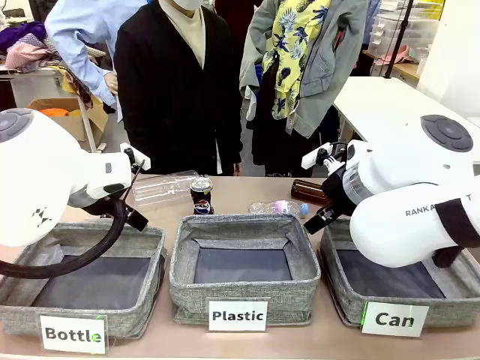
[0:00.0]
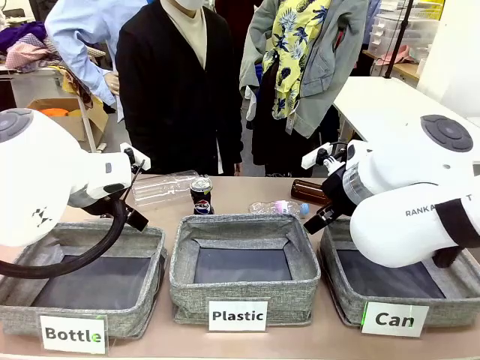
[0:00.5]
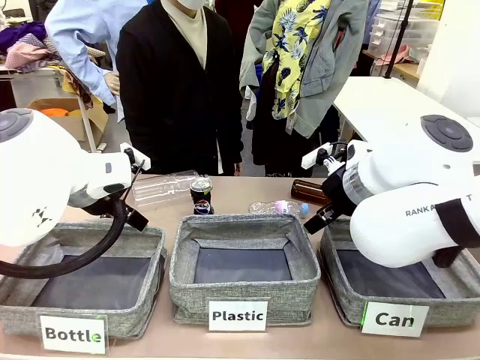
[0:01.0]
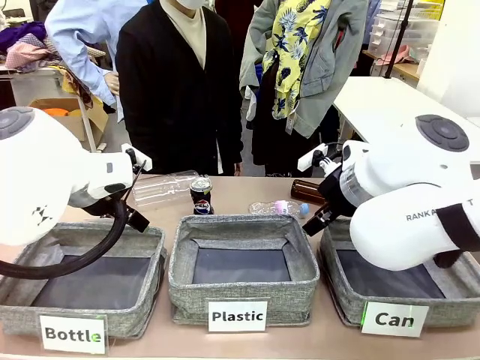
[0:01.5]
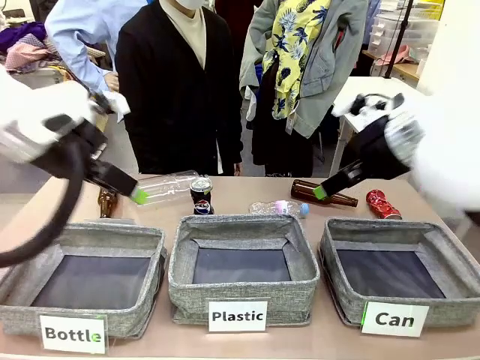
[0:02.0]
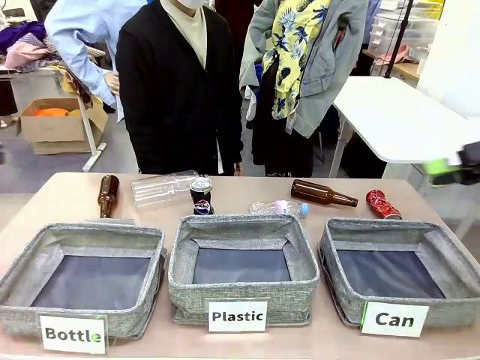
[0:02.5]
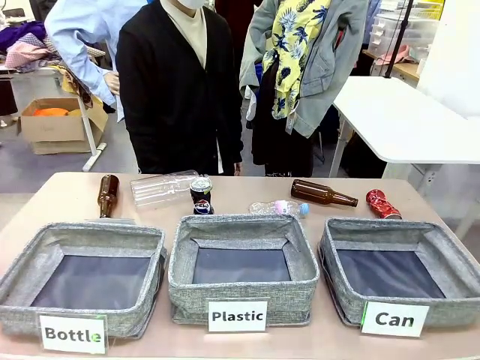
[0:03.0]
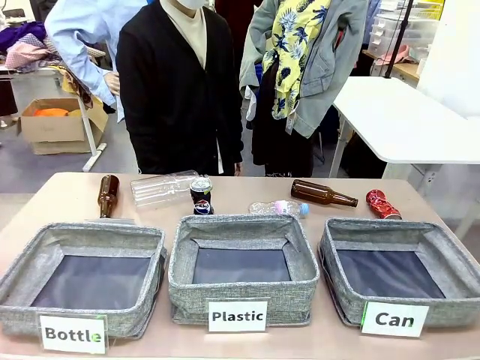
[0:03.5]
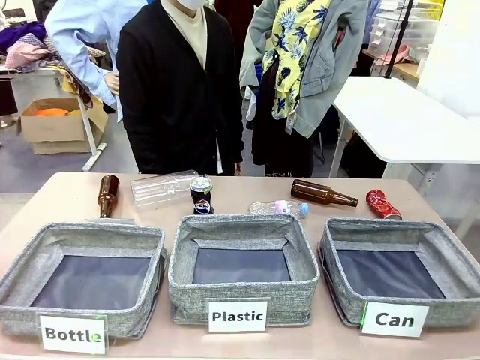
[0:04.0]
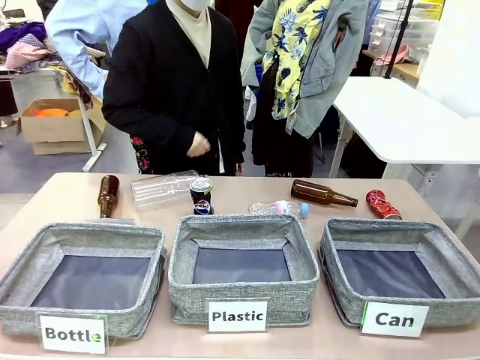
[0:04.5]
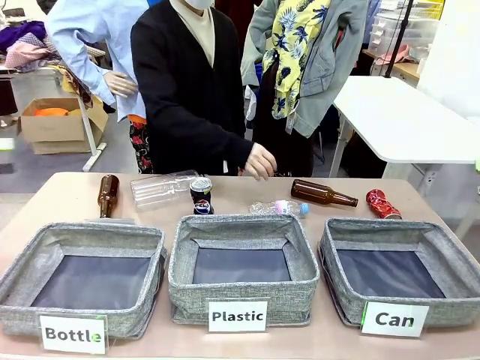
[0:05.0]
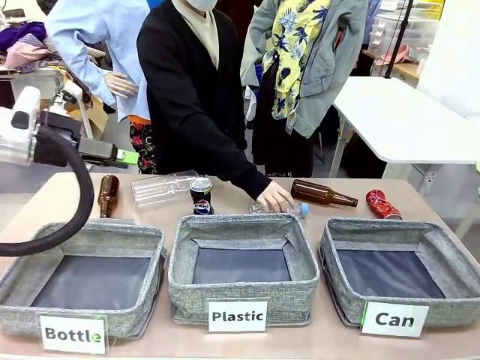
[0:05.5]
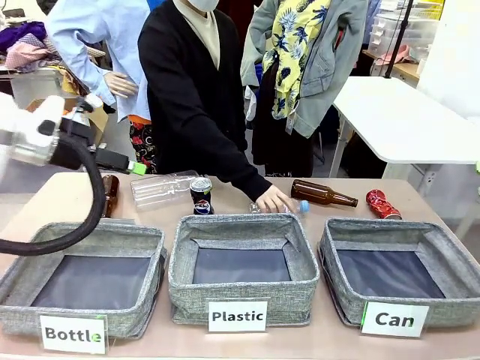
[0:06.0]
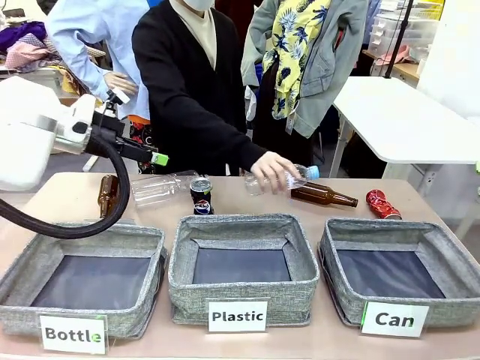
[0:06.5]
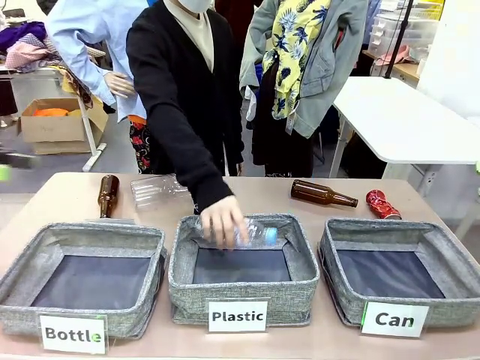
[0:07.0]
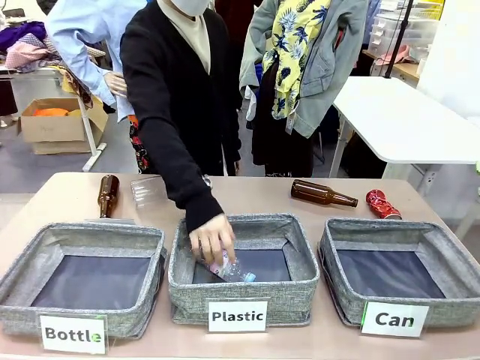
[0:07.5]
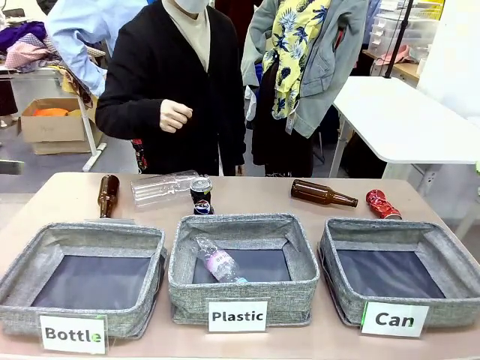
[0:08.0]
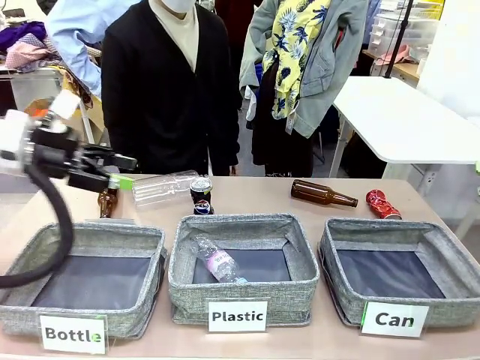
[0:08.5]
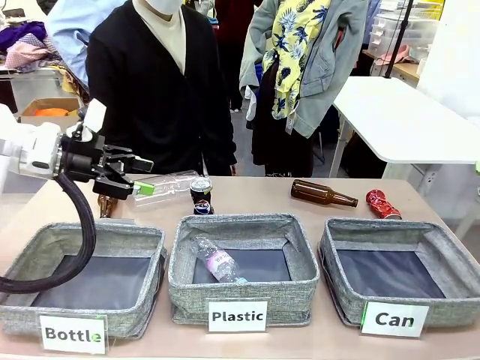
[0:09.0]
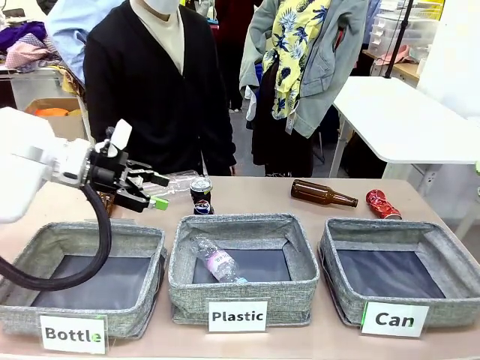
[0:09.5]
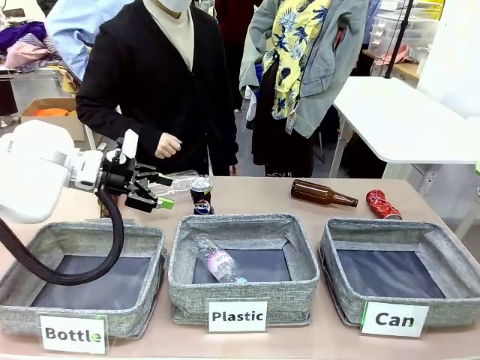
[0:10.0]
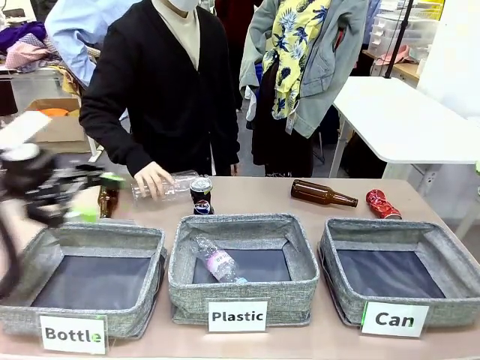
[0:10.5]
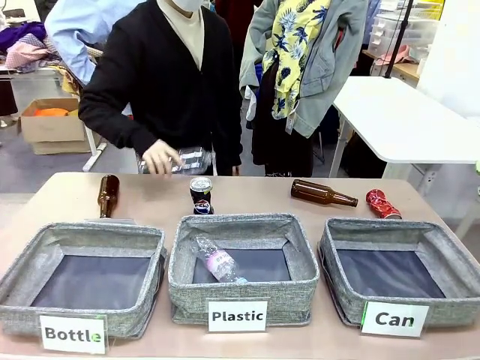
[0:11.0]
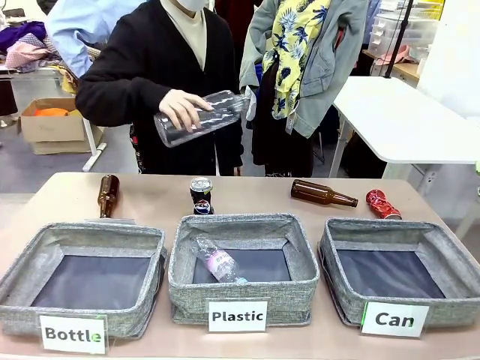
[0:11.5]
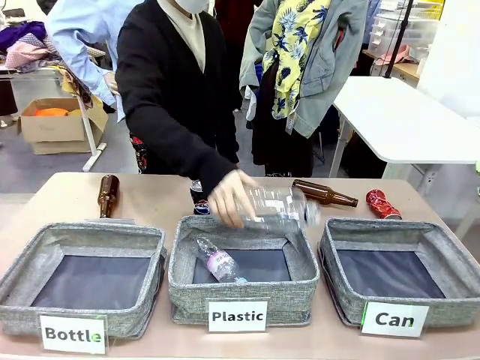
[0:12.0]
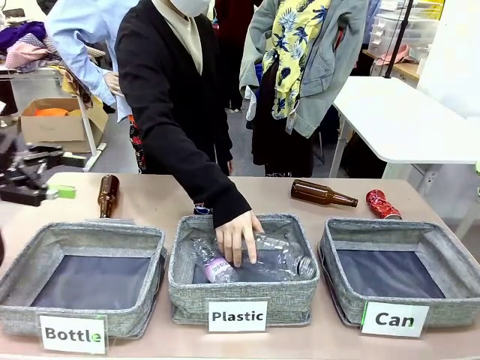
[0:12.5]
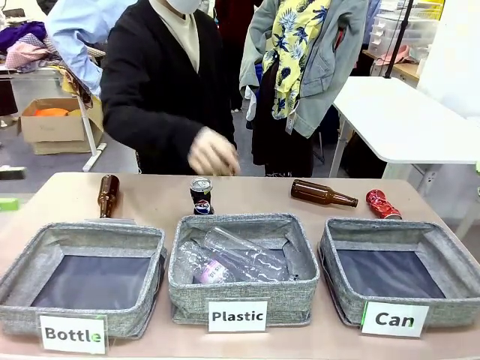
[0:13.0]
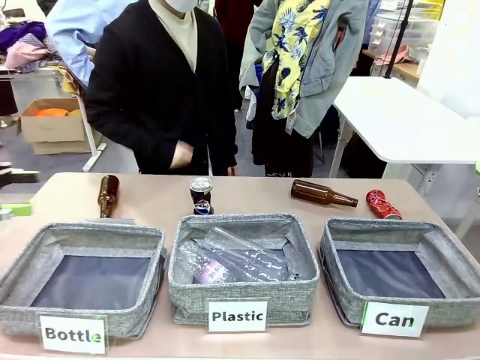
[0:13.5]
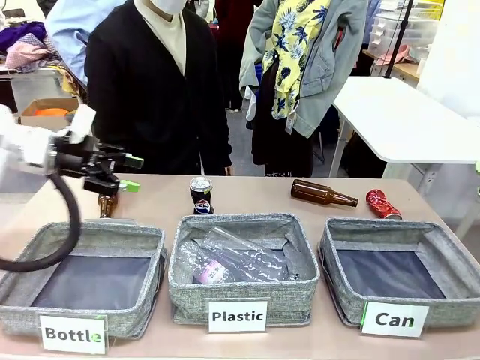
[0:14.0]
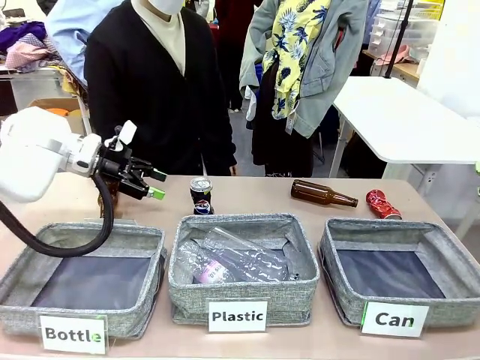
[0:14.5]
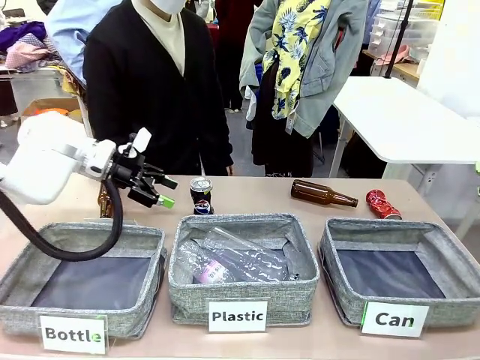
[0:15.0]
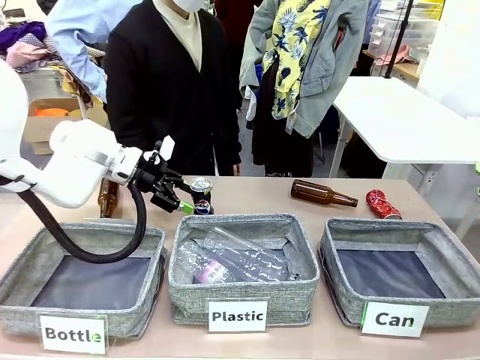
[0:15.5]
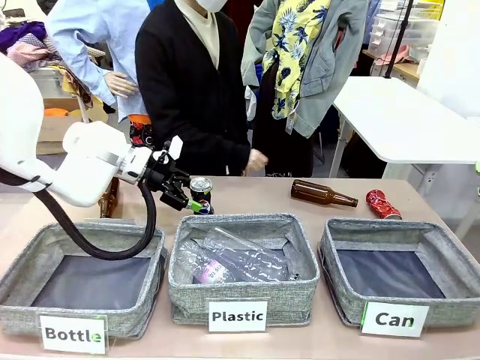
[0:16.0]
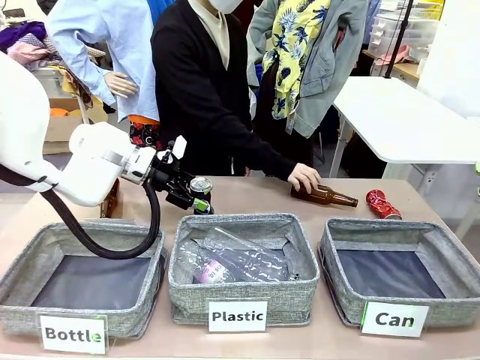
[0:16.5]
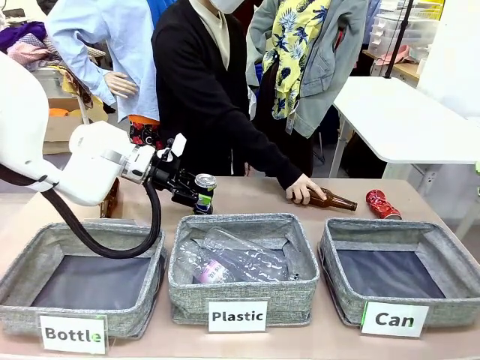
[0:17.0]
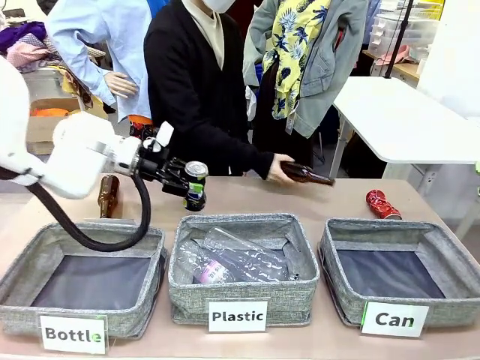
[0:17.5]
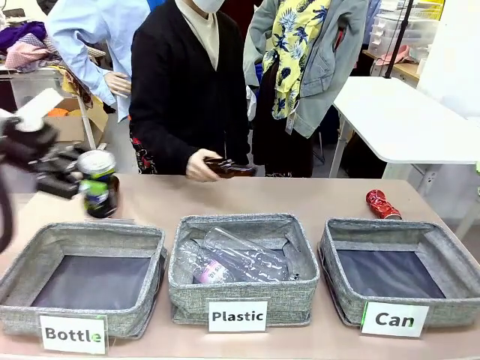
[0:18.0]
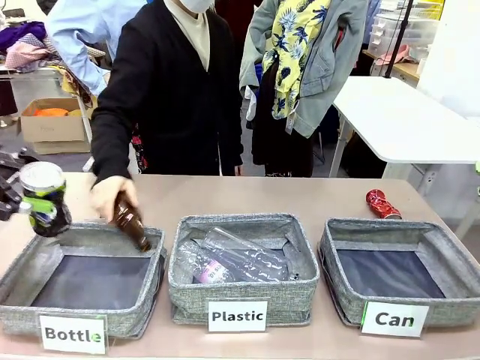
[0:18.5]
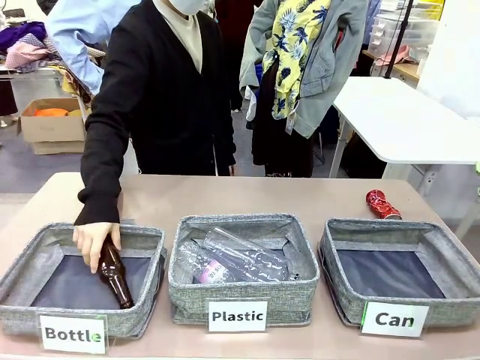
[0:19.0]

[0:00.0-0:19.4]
Task: Sort the can waste into the basket.
Robot: Pick up the can waste from the table and place it in the right Fabric basket.

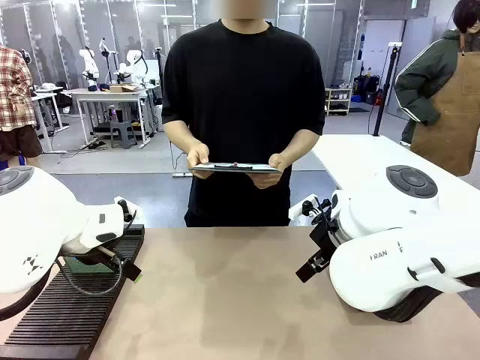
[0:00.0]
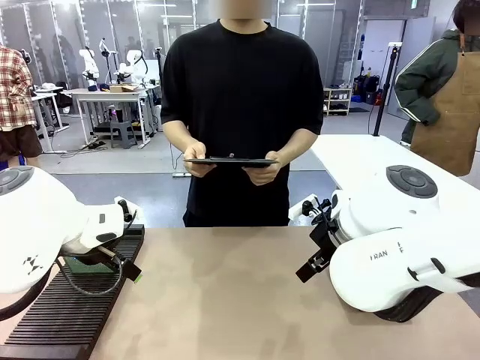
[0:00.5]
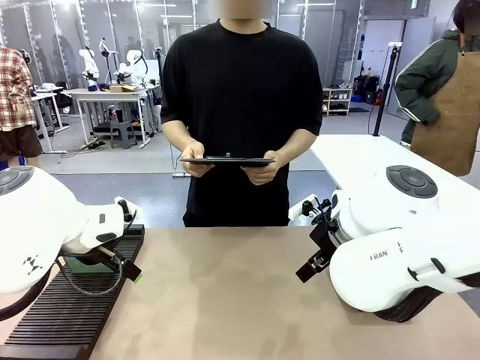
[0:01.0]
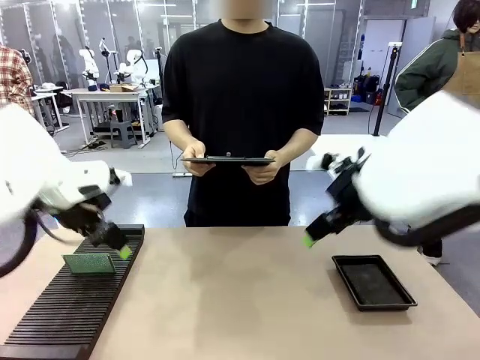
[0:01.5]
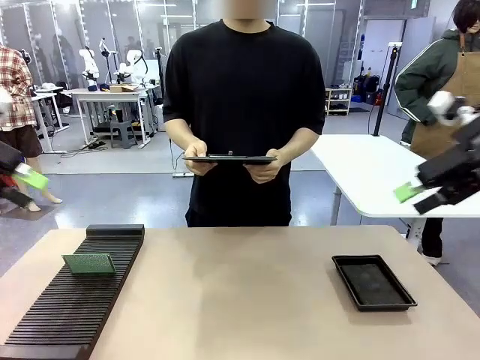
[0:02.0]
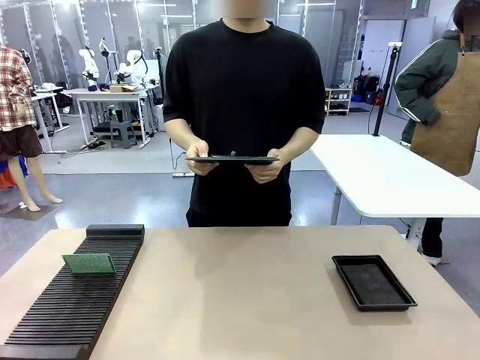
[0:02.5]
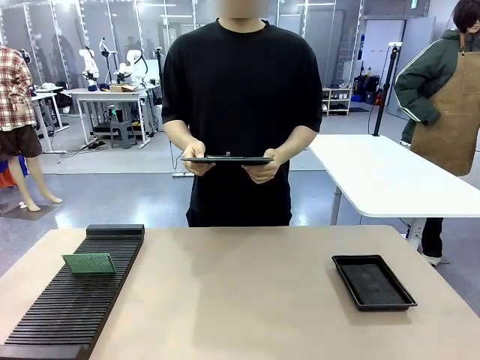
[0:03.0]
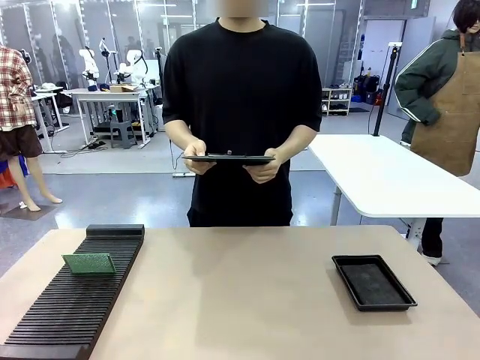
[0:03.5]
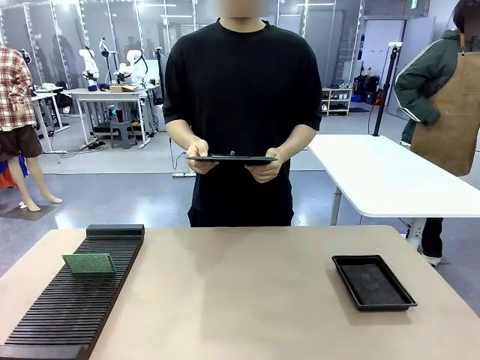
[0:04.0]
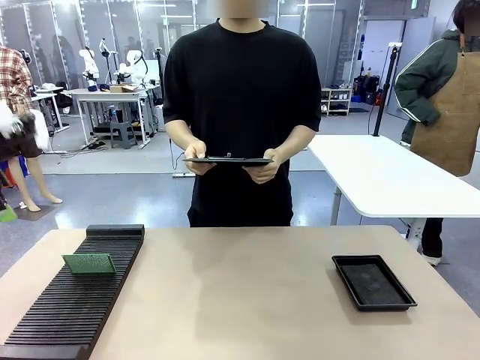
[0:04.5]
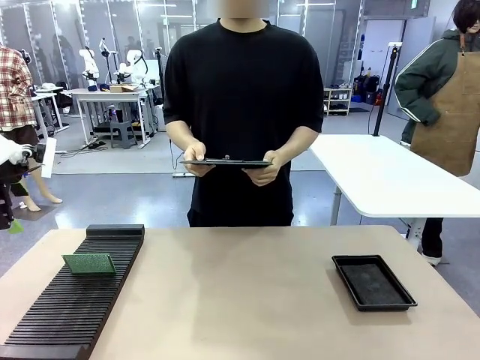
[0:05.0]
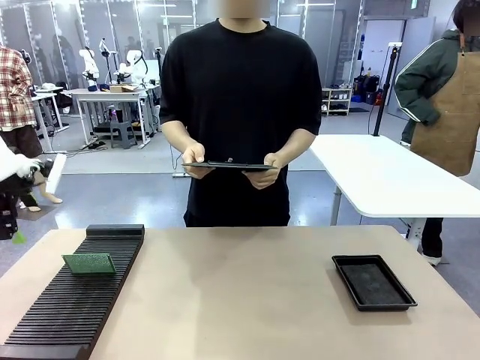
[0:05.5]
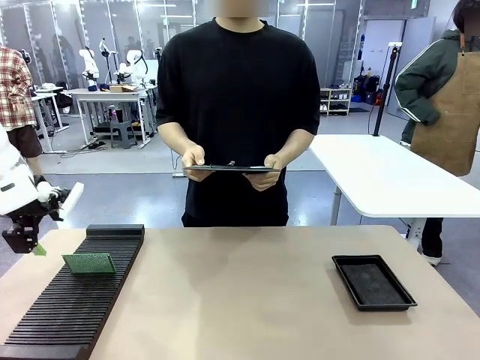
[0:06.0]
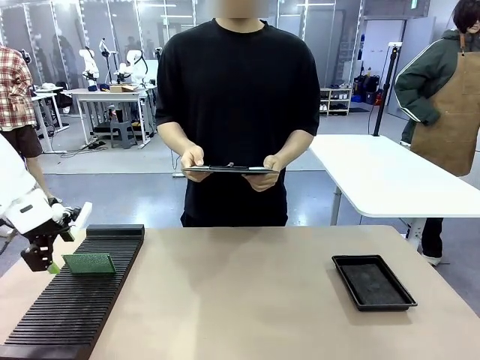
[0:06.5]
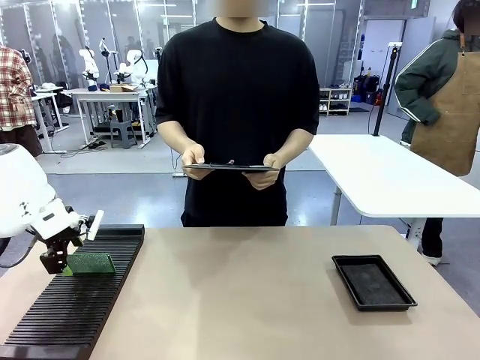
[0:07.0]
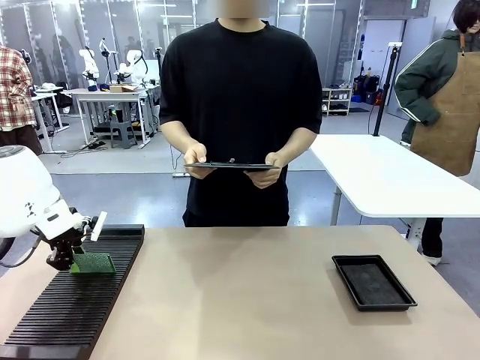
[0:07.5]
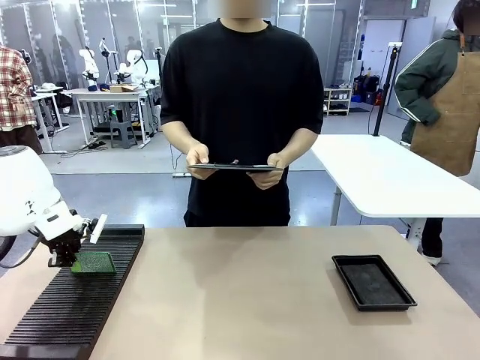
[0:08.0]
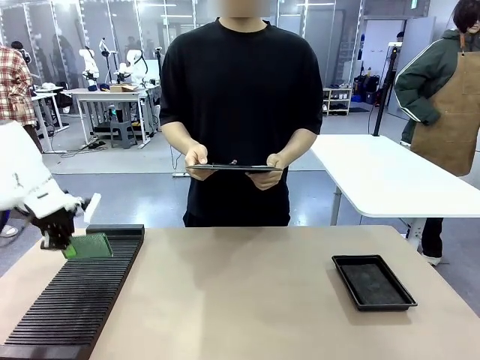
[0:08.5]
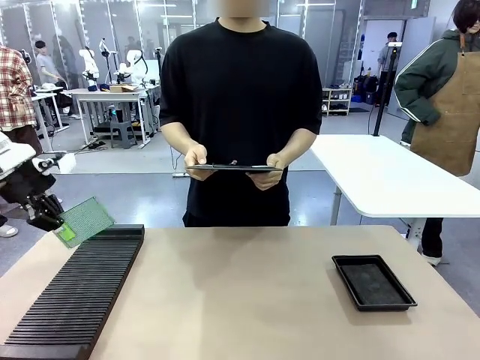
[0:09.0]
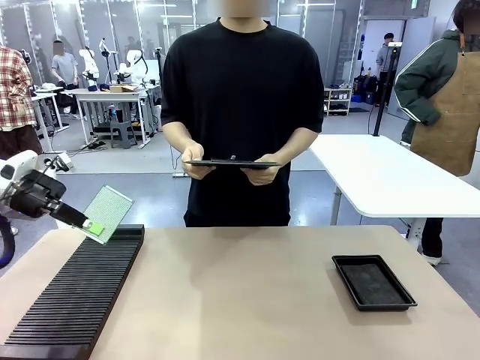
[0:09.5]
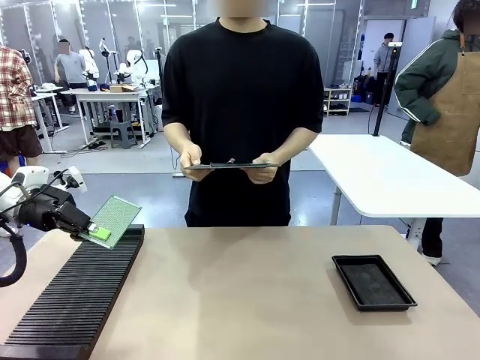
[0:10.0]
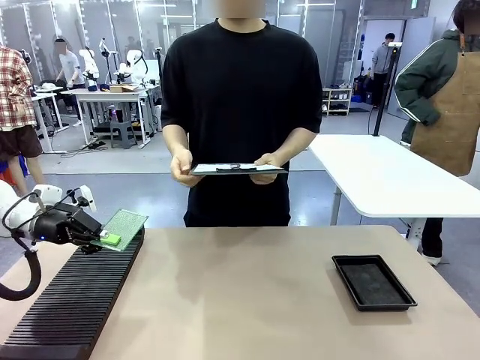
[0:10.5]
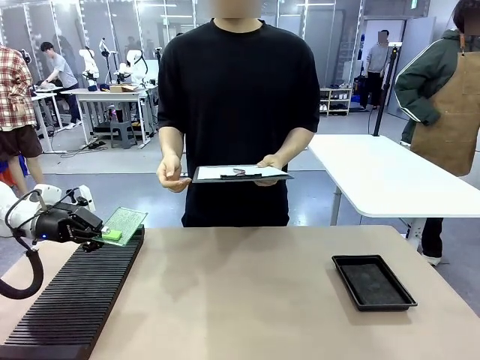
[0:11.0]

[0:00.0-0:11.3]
Task: Inspect the PCB.
Robot: Pick up the Blank PCB and present it to the human.
Person: Pick up the PCB presented by the robot.
